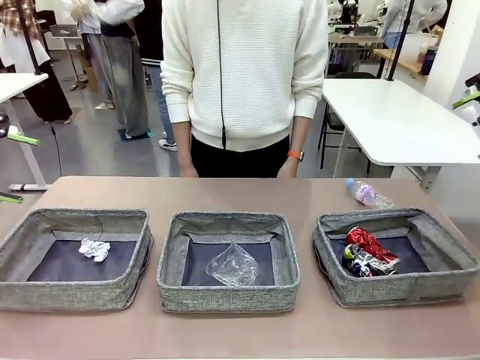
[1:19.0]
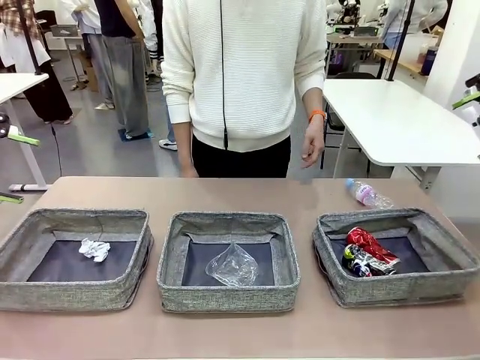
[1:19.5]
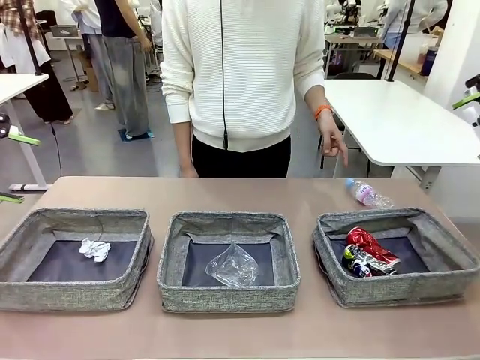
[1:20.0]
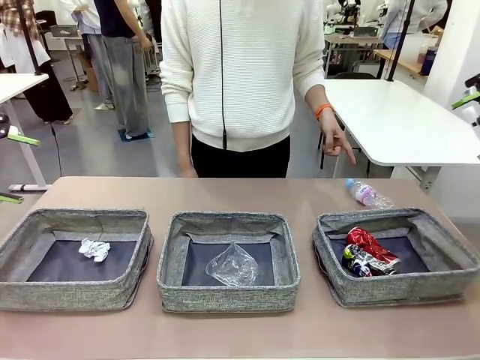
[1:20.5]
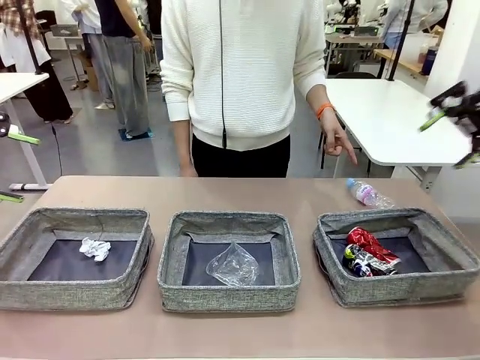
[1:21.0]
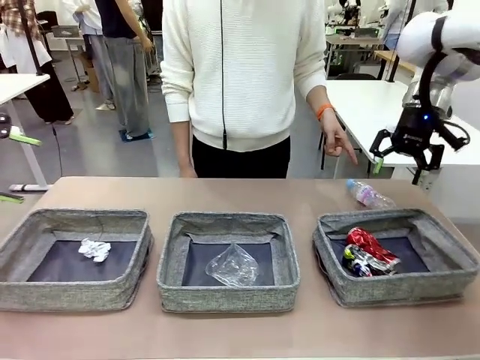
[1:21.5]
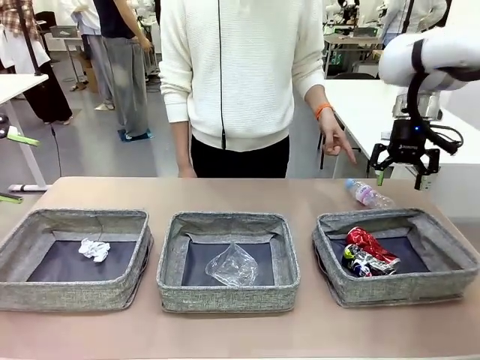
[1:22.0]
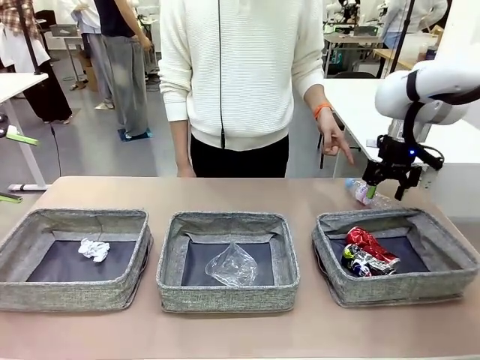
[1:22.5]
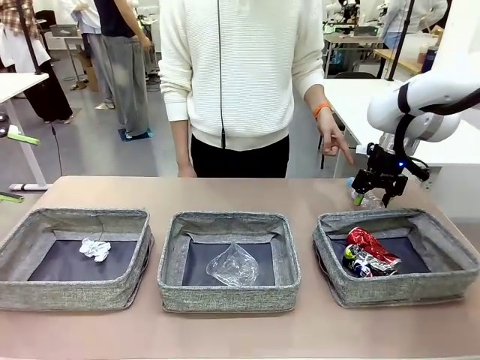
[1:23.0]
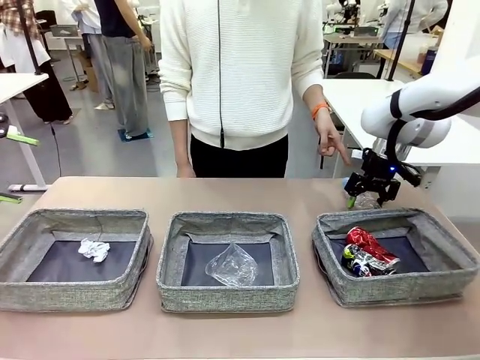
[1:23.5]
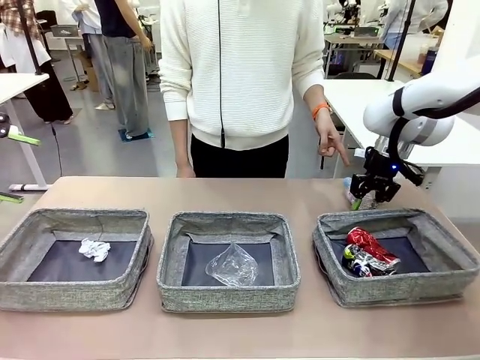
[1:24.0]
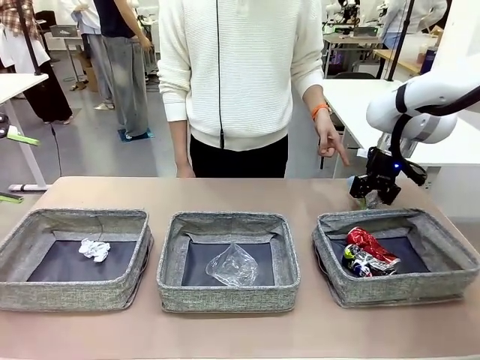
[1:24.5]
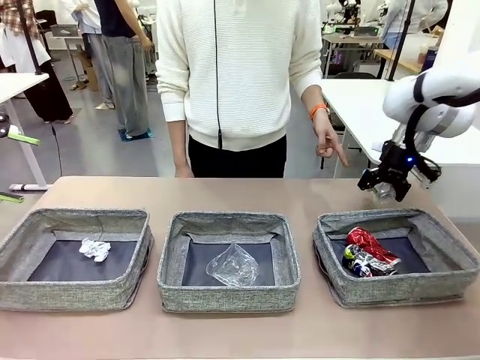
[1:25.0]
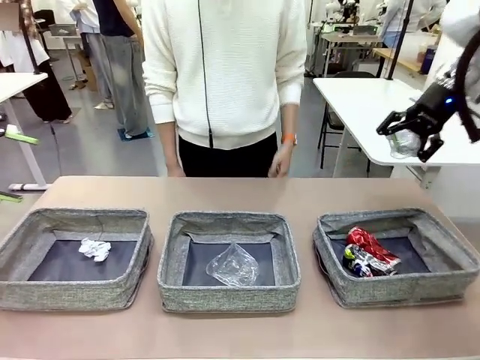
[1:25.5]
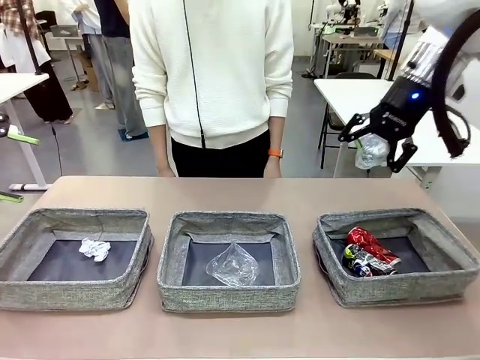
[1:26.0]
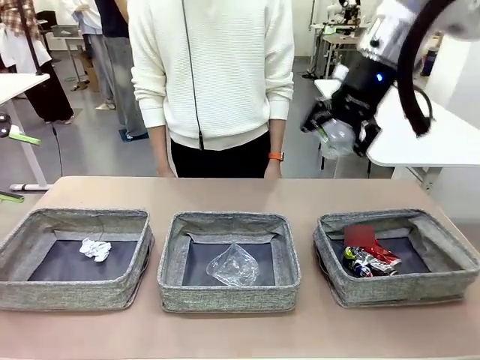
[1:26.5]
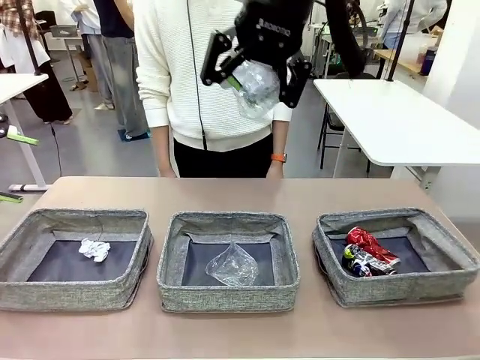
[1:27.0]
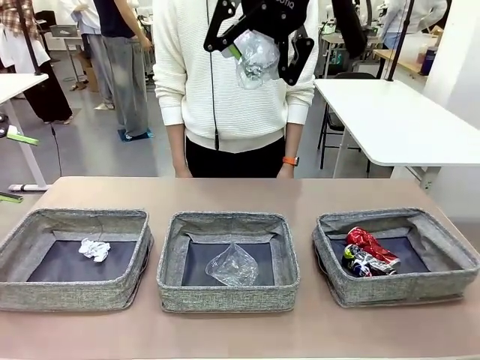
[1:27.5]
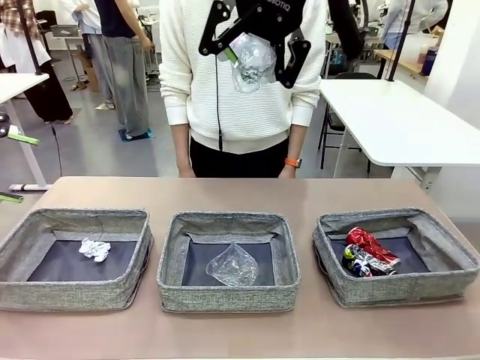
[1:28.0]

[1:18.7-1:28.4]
Task: Sort the waste into the appropriate baskets.
Robot: Pick up the waste item pointed out by the person.
Person: Points to one piece of trash on the table.

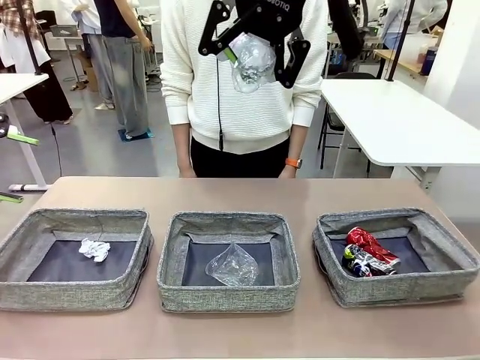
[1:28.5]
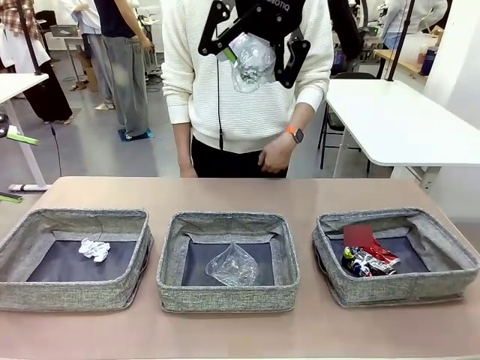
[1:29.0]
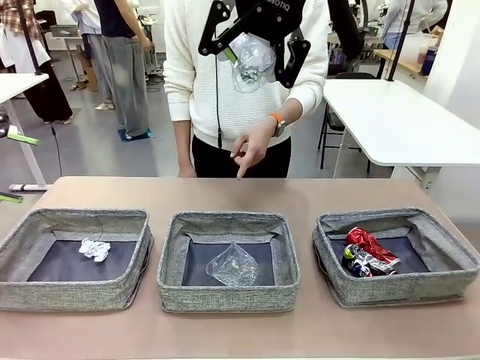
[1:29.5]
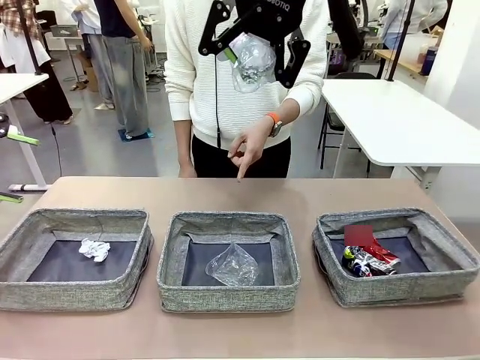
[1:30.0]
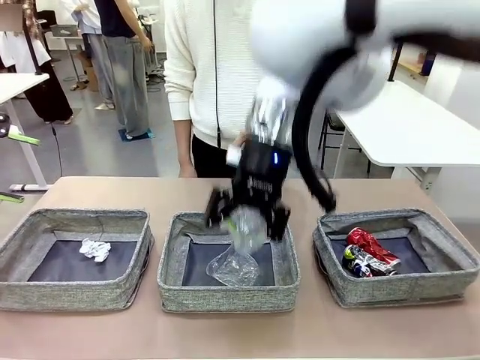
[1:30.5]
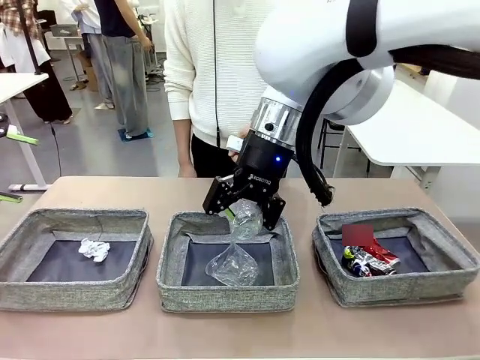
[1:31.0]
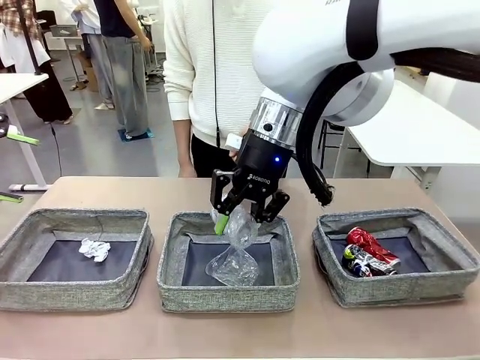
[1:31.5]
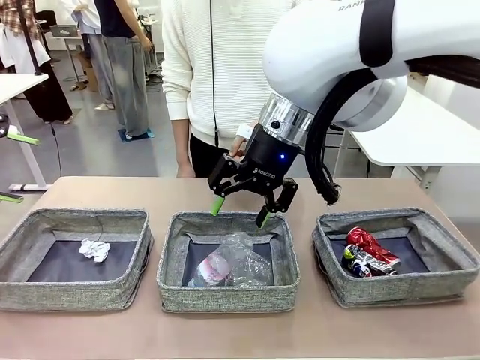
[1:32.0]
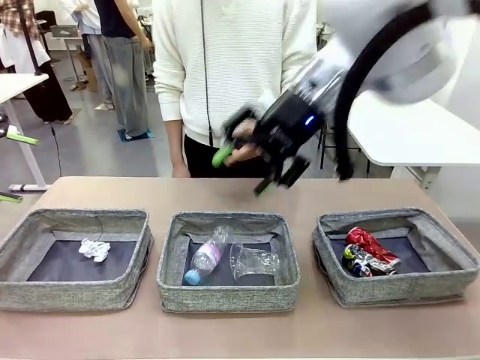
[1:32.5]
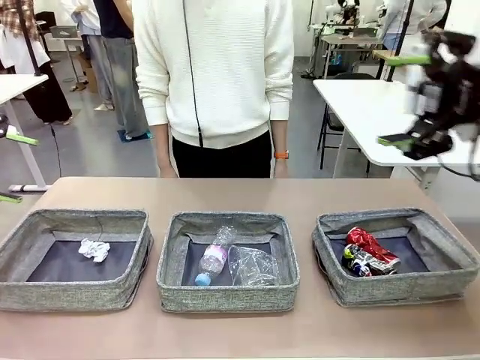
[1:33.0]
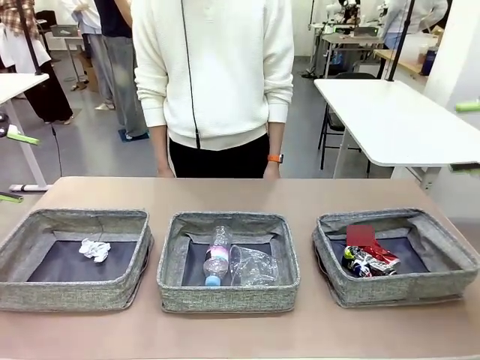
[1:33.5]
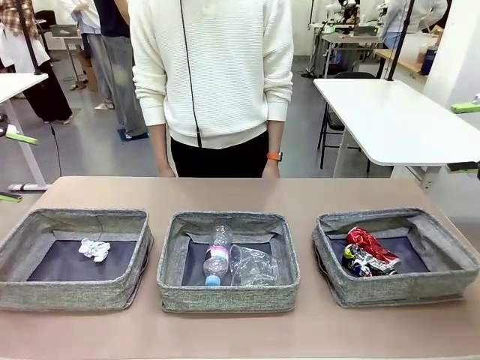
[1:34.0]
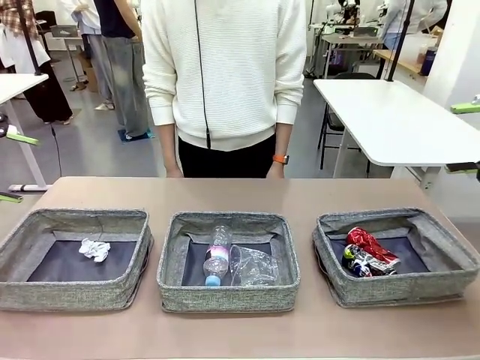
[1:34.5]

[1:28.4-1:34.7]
Robot: Place the picked waste into the Fabric basket indicated by the person.
Person: Instructs the robot to place the picked-up trash into the appropriate organizing basket.

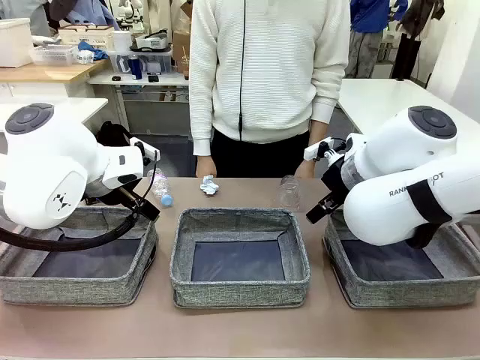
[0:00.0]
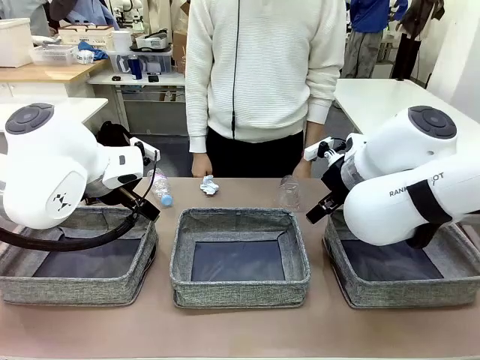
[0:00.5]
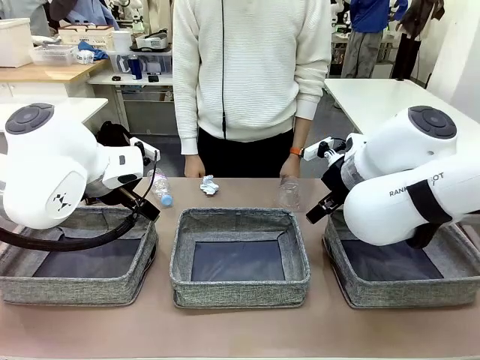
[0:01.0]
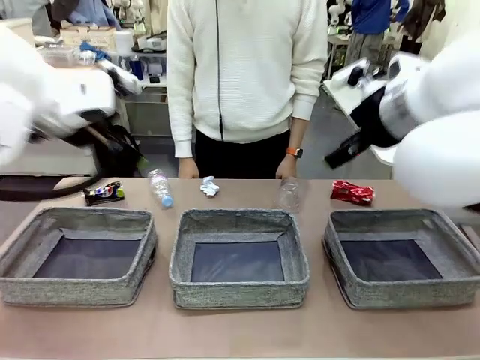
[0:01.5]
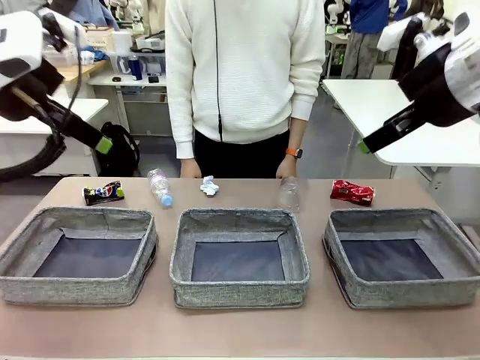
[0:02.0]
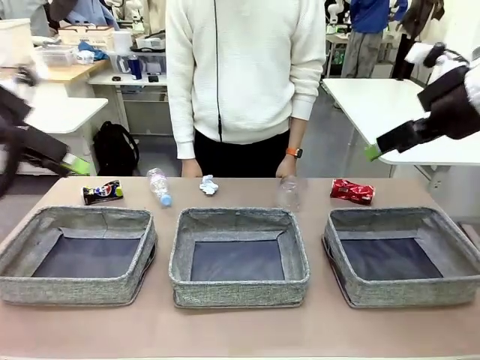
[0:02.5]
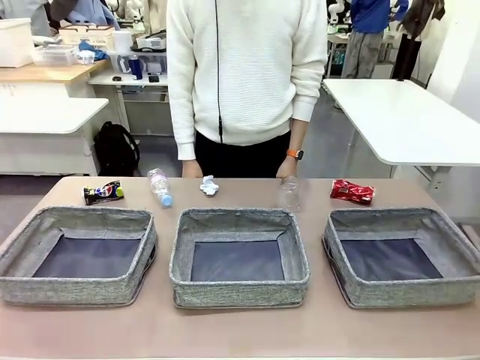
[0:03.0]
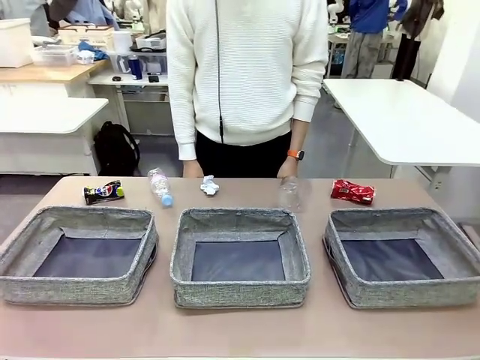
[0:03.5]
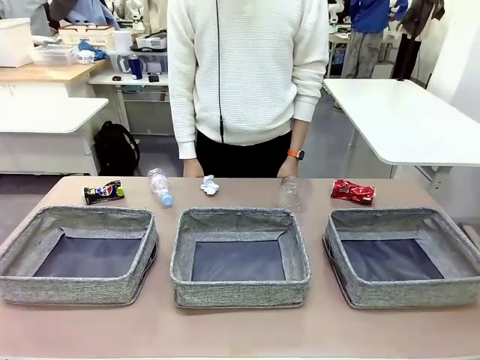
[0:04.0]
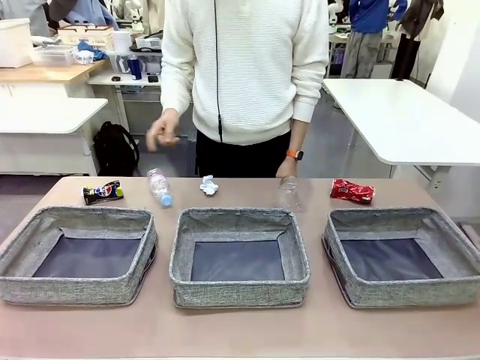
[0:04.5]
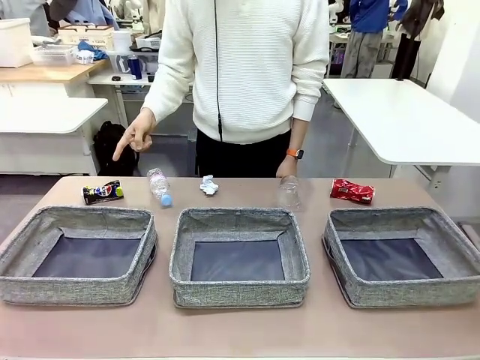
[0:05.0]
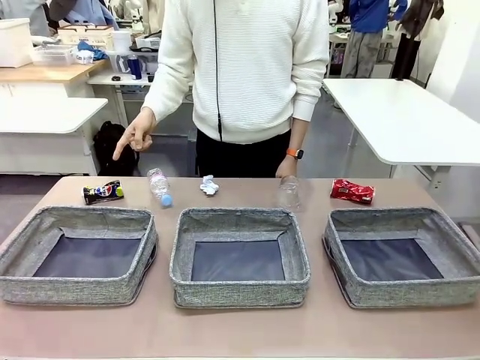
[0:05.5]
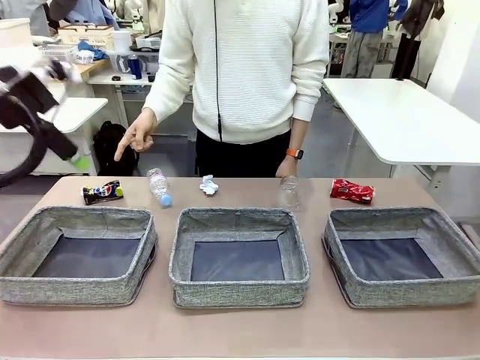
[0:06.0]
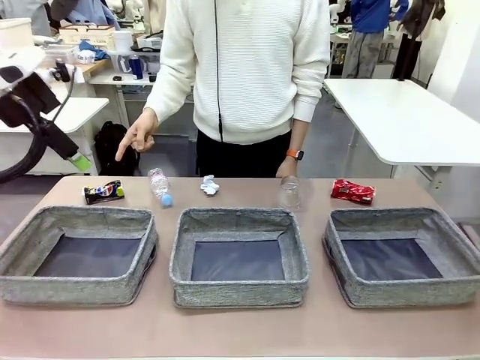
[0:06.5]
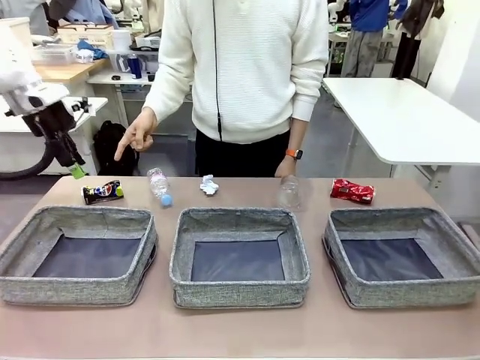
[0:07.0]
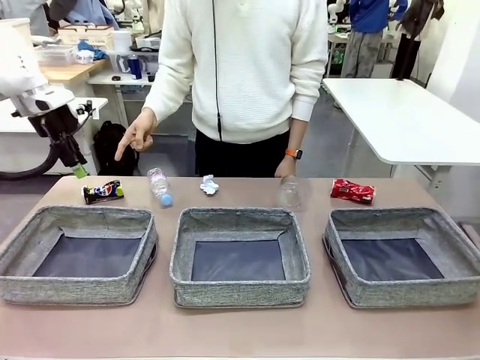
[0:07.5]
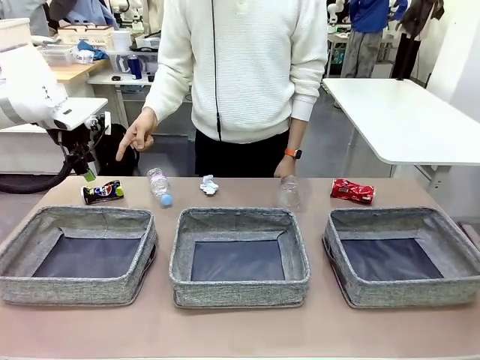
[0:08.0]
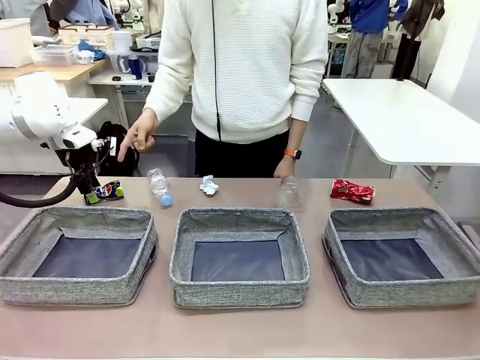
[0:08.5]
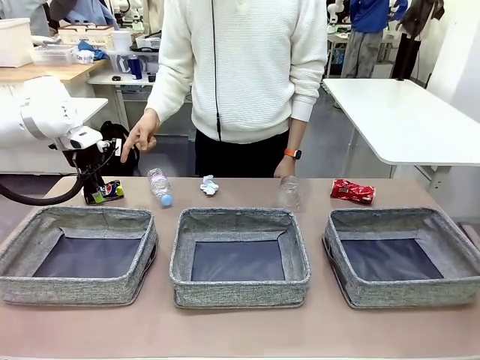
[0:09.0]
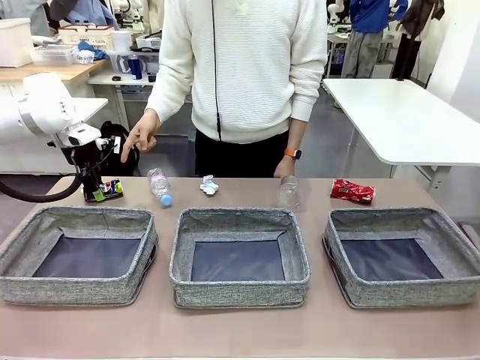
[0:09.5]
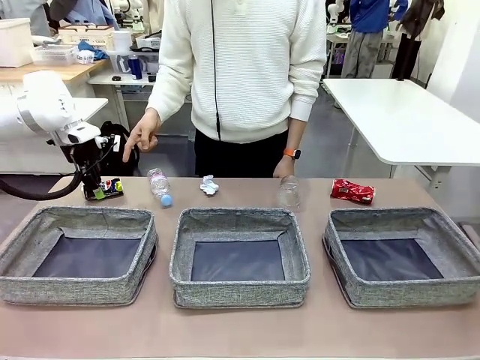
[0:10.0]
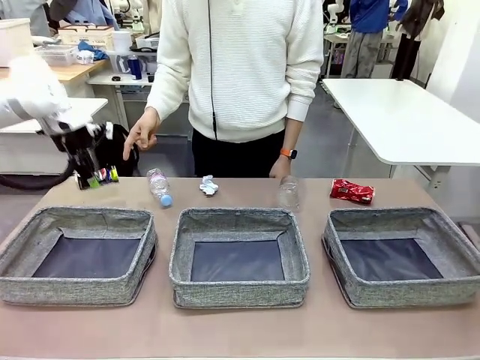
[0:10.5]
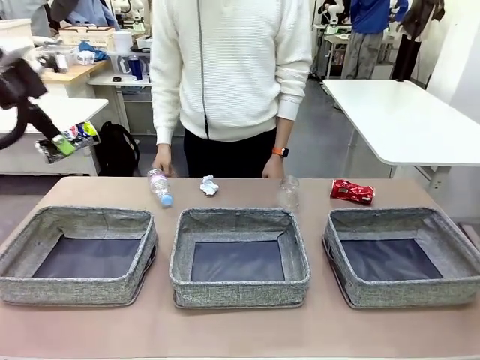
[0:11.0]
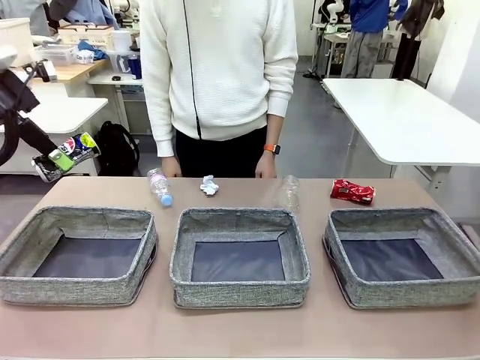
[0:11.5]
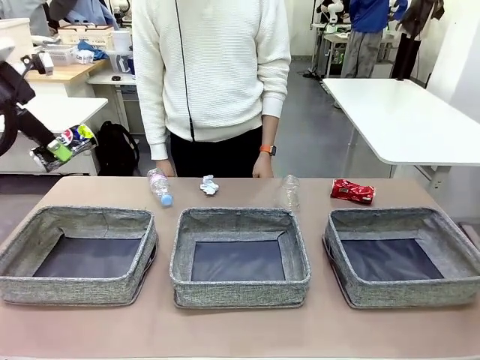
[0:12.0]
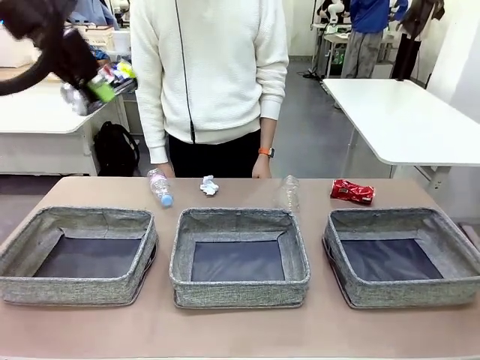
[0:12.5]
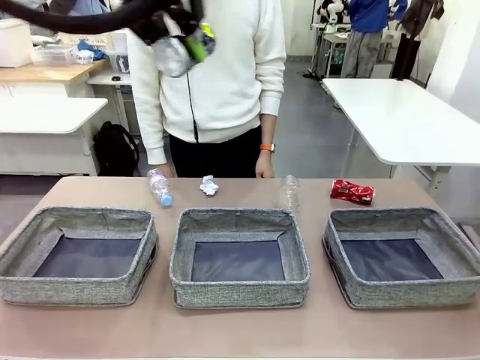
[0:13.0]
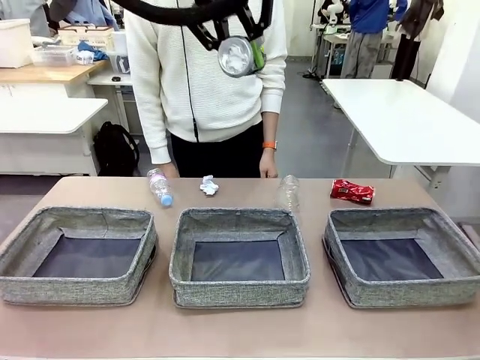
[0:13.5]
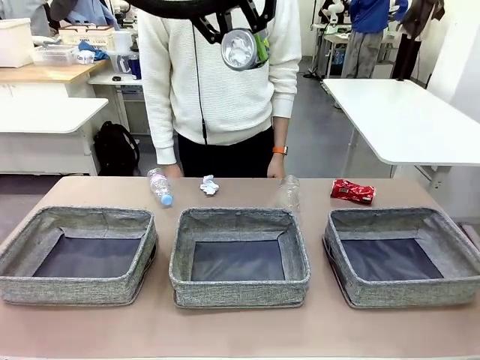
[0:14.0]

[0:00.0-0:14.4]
Task: Sort the waste into the appropriate baskets.
Robot: Pick up the waste item pointed out by the person.
Person: Points to one piece of trash on the table.
